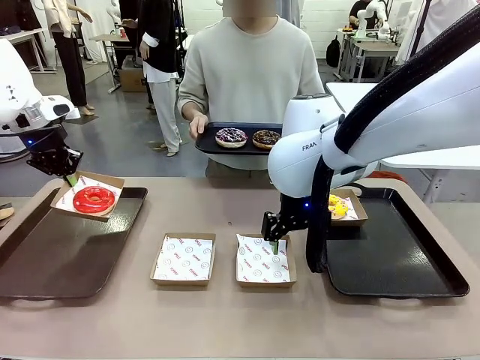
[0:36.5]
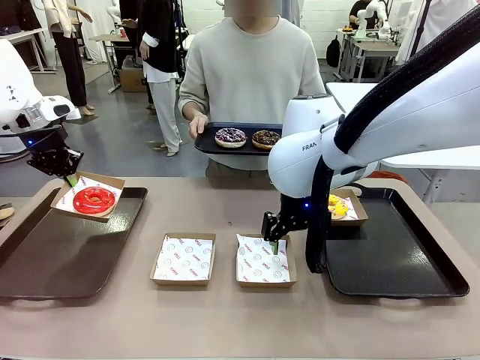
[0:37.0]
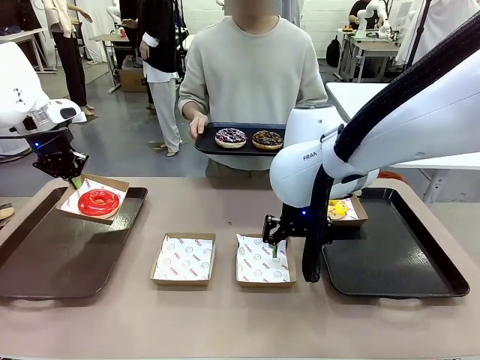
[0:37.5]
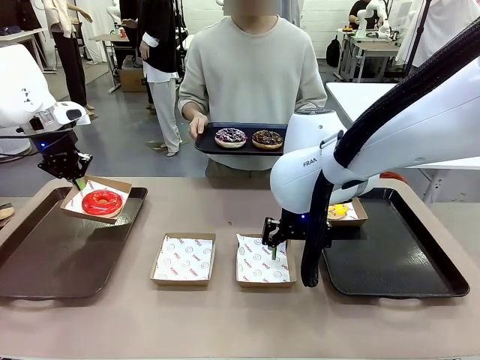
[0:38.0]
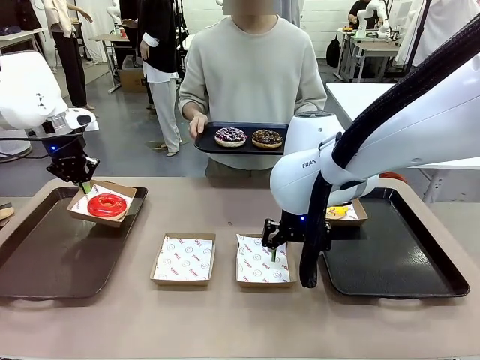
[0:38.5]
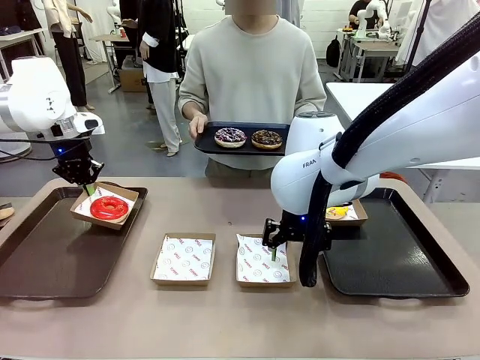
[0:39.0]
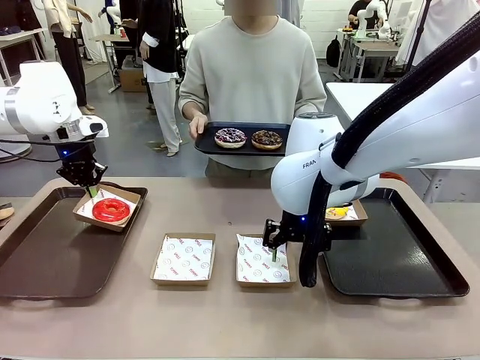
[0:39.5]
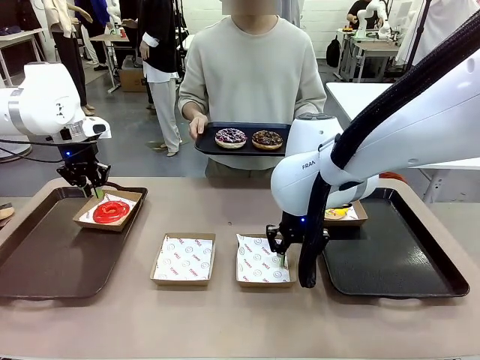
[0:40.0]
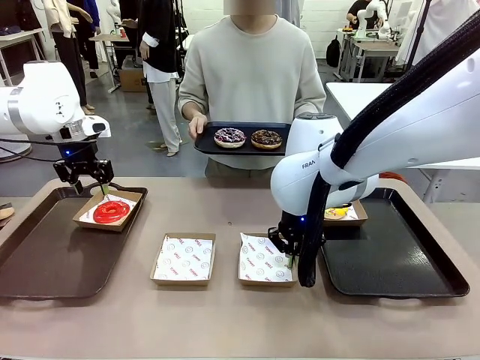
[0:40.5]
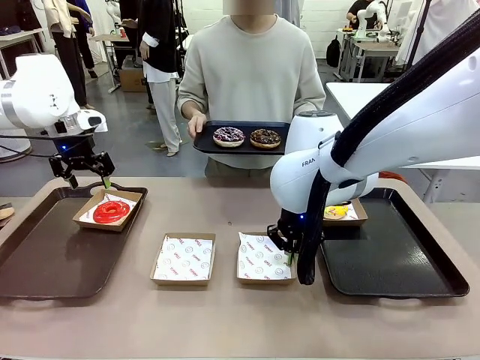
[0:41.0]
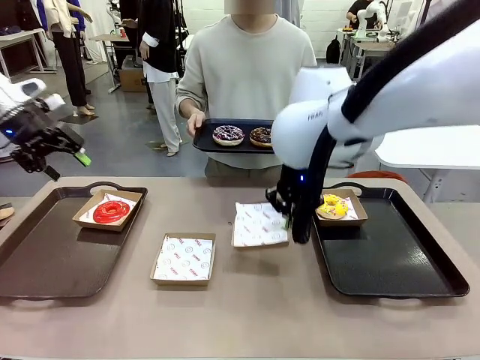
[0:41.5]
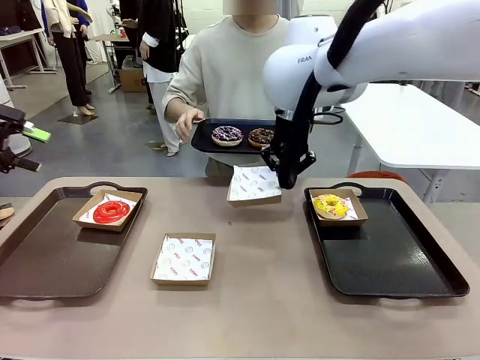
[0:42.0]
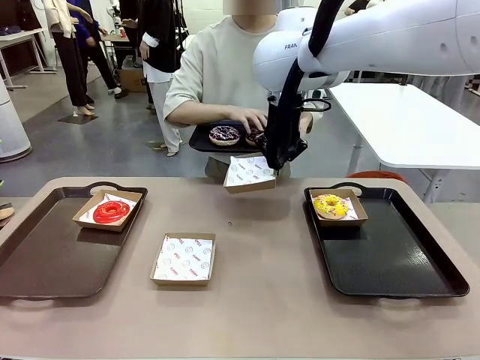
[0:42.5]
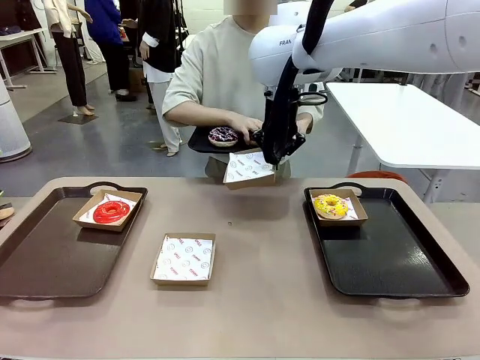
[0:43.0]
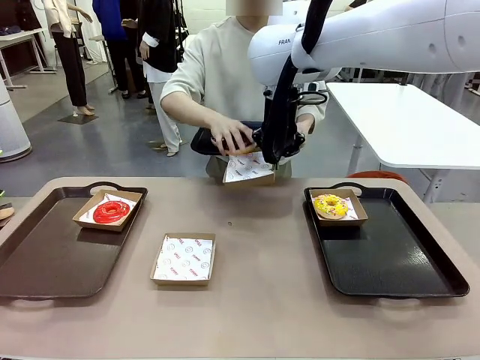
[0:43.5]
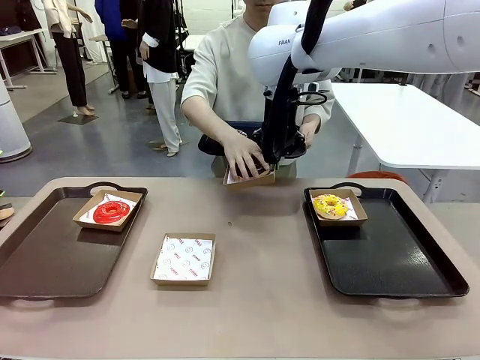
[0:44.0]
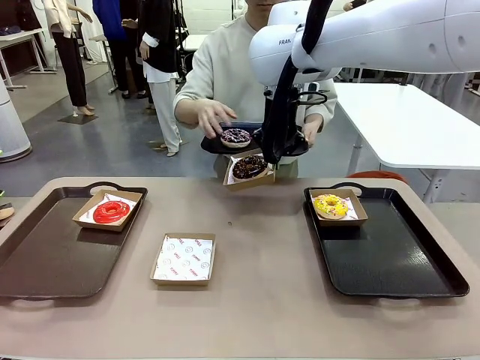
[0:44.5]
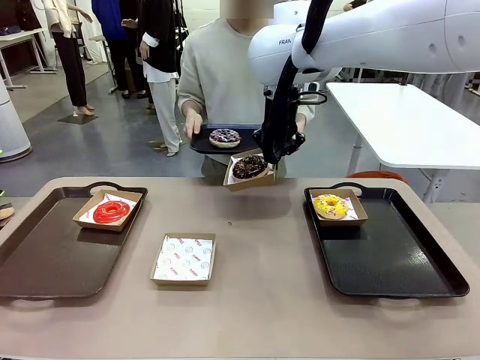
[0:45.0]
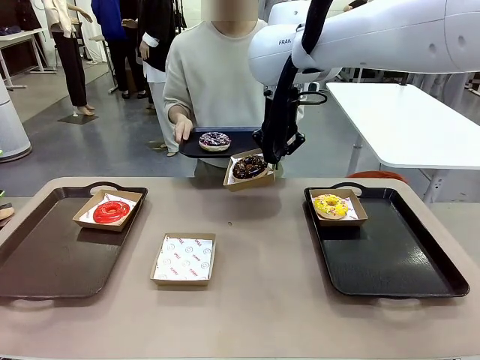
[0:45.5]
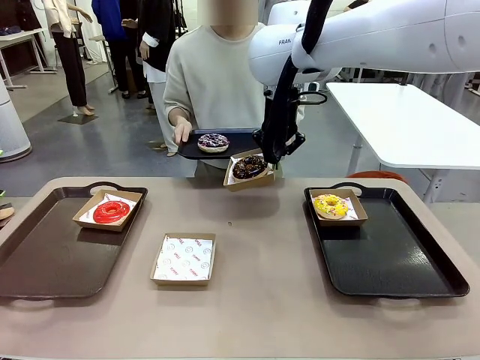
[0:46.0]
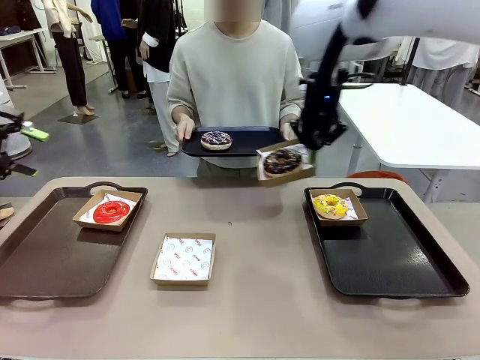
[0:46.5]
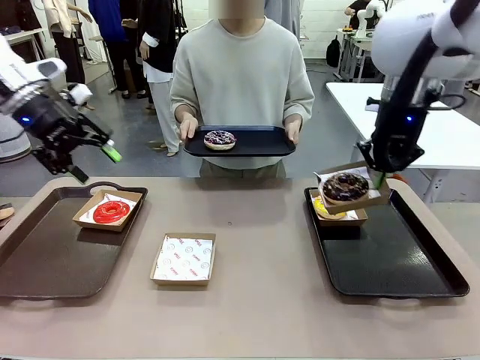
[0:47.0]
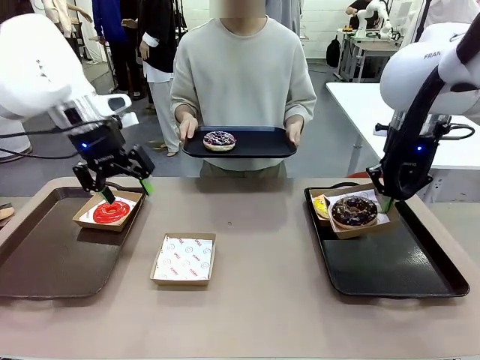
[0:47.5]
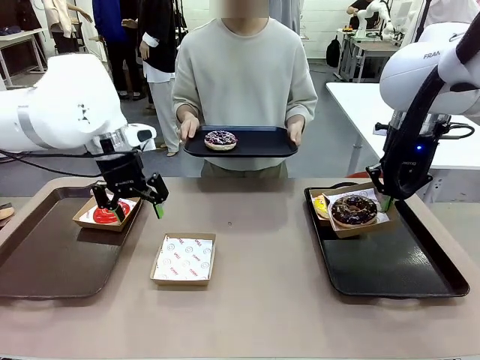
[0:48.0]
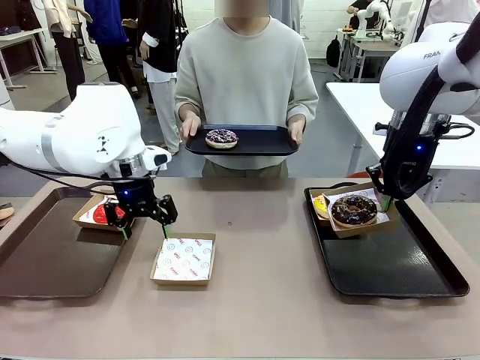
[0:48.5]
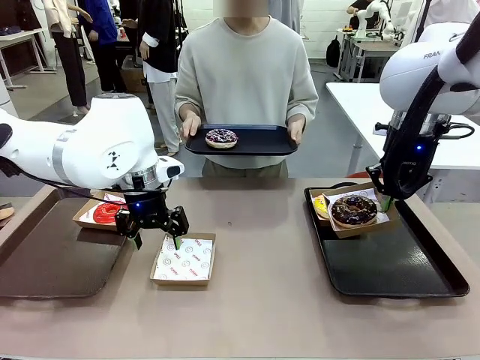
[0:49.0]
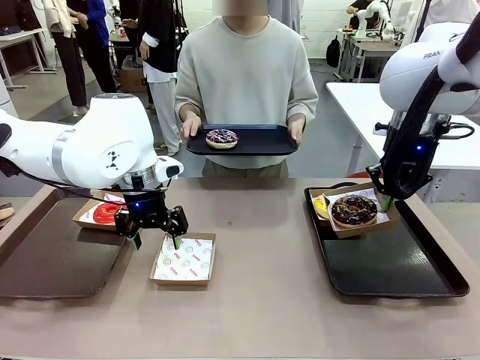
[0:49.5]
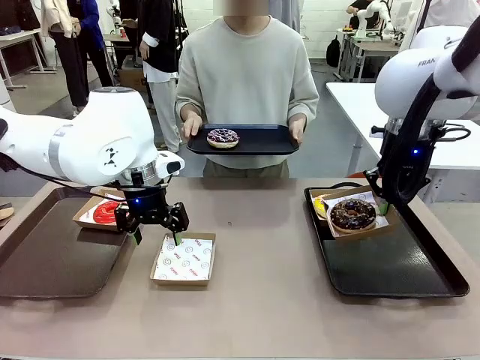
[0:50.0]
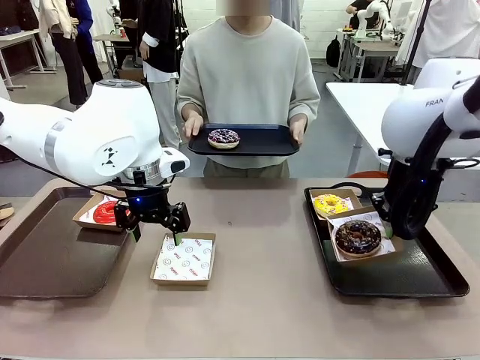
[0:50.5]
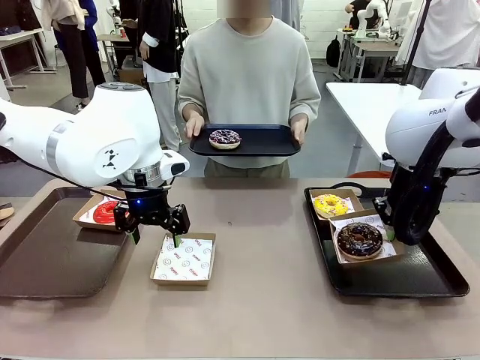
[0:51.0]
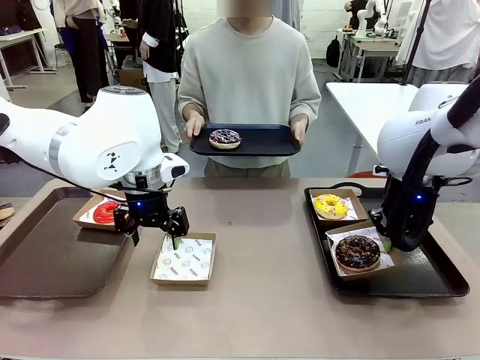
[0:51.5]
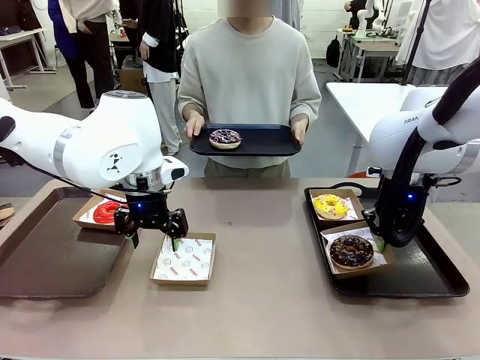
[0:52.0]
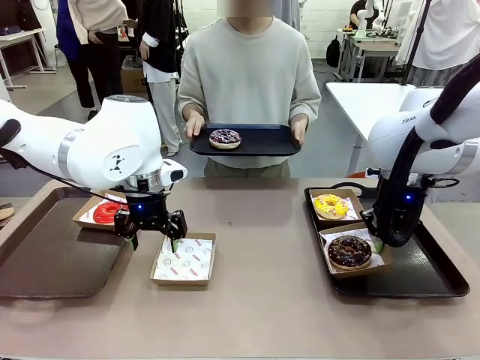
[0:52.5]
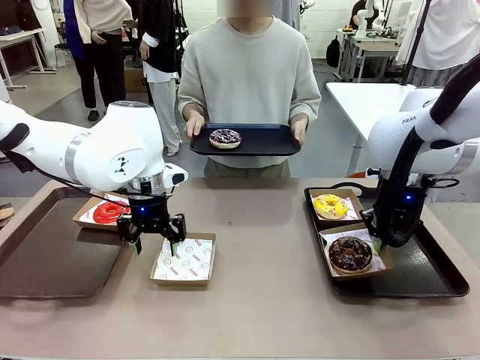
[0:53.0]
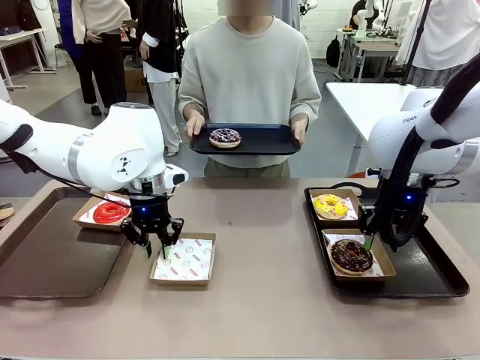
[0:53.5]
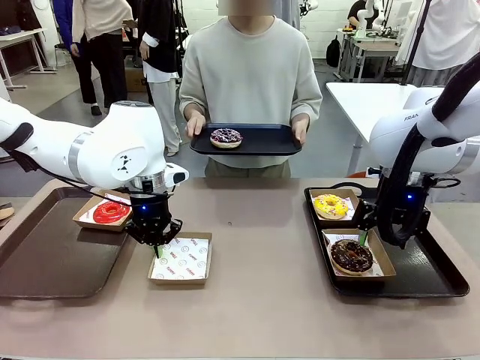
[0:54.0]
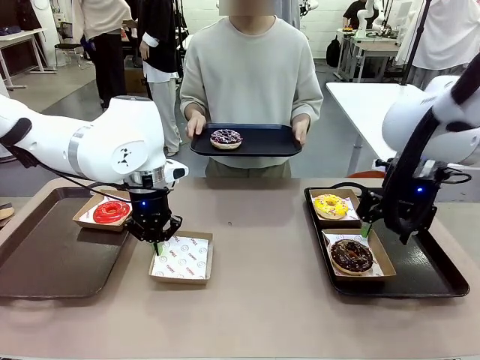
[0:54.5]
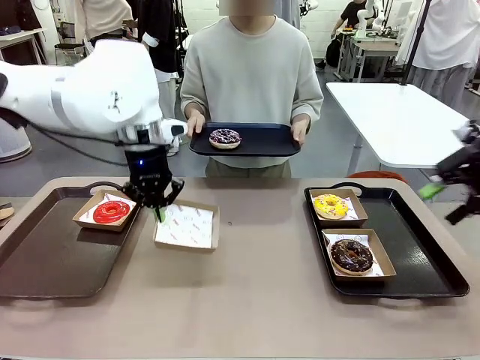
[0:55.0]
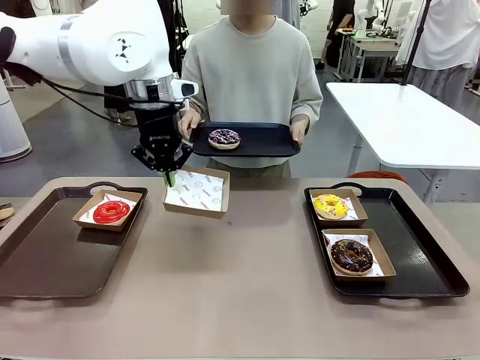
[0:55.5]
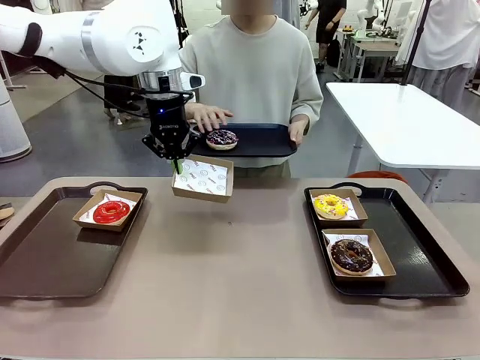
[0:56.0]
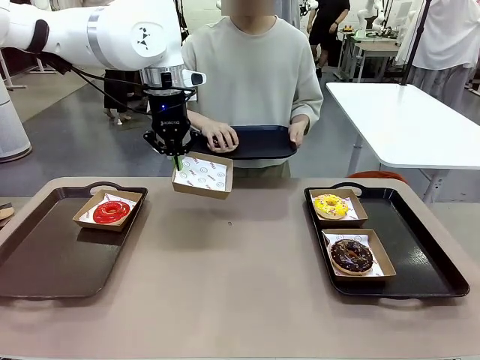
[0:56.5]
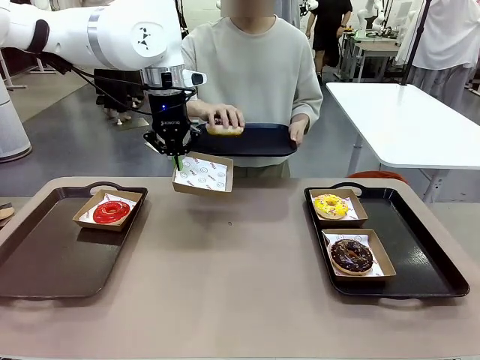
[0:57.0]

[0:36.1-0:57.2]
Task: Individually package the donuts and arrange them on the tray.
Robot: Place the picked Paper togo box on the Handle tray while simultaneously picking up another Paper togo box from the table with the other hand.

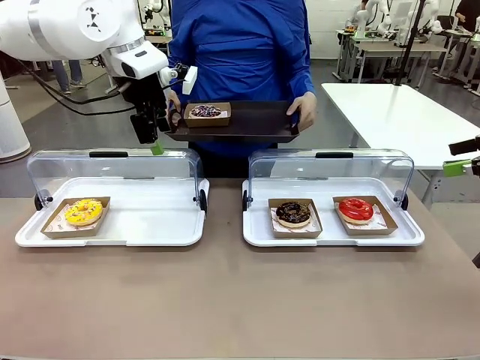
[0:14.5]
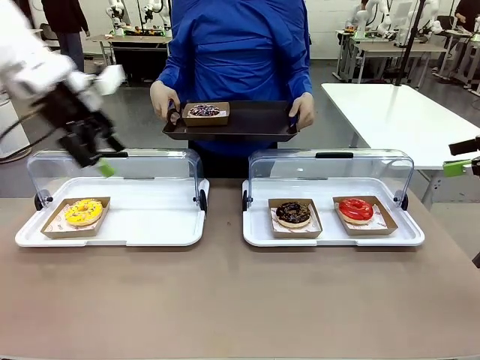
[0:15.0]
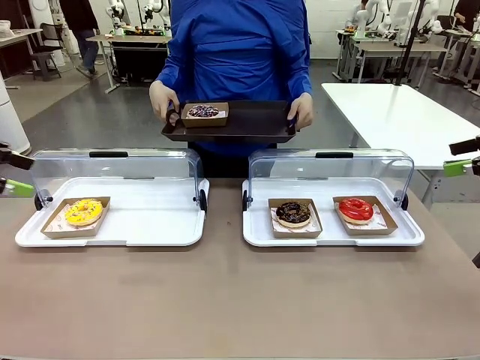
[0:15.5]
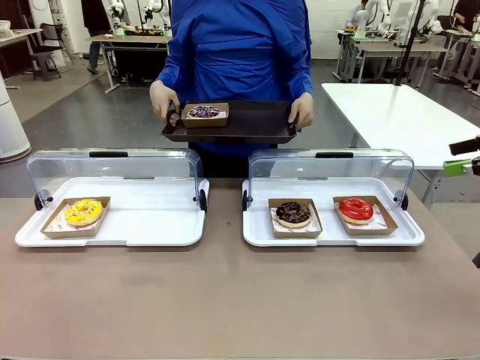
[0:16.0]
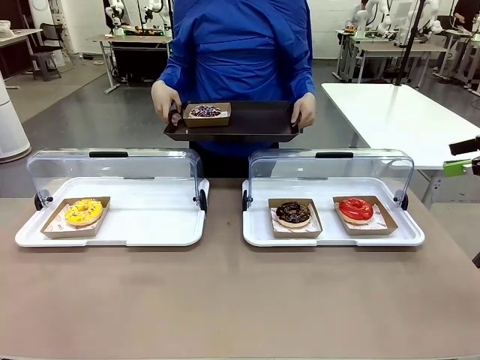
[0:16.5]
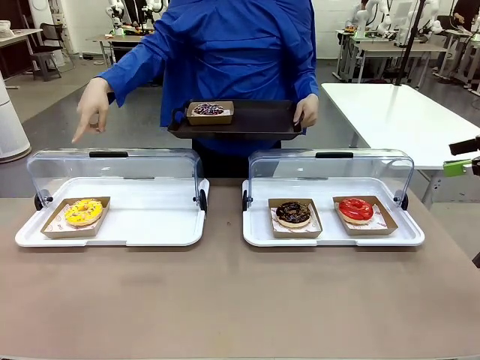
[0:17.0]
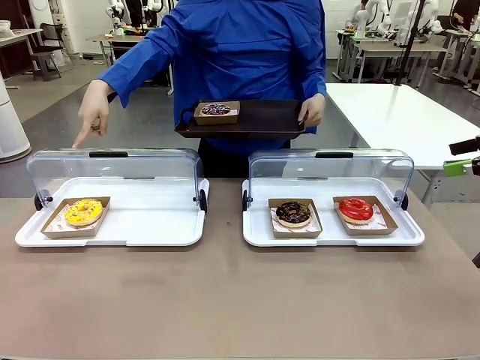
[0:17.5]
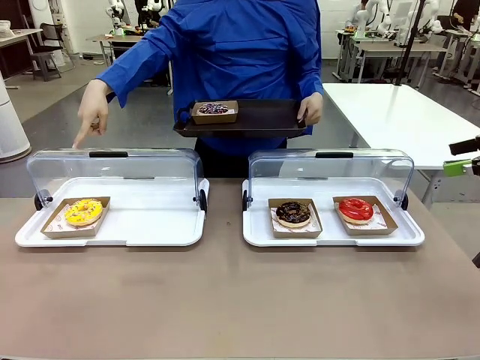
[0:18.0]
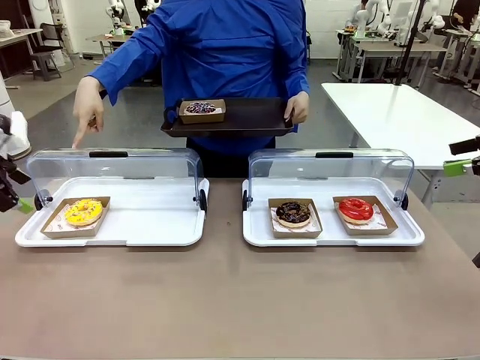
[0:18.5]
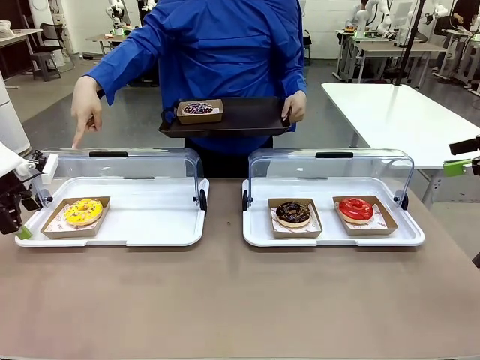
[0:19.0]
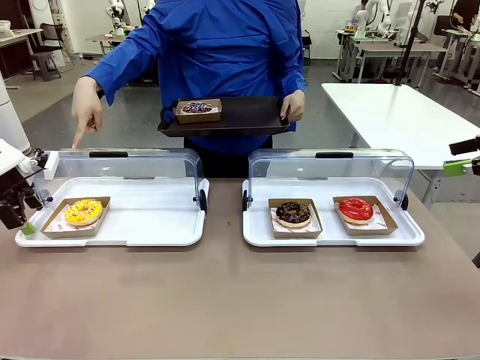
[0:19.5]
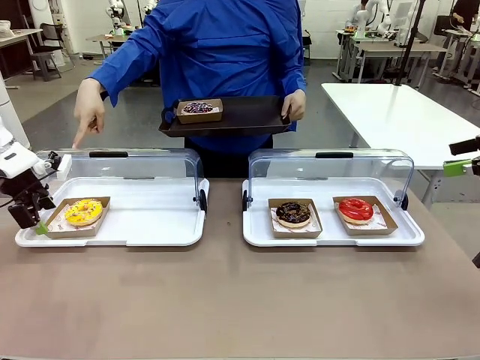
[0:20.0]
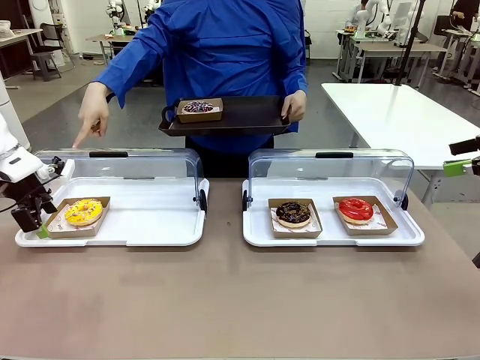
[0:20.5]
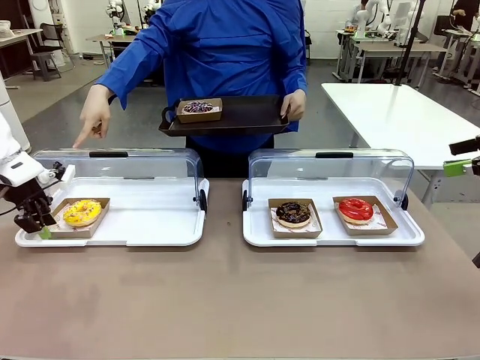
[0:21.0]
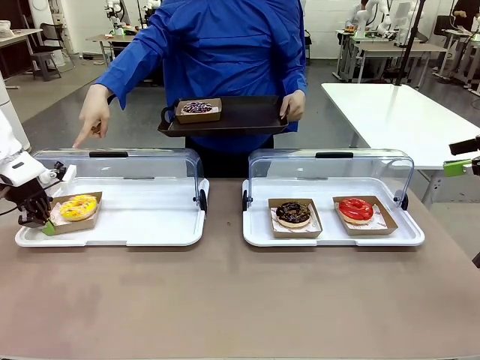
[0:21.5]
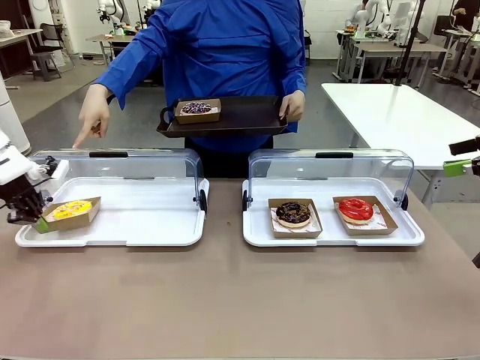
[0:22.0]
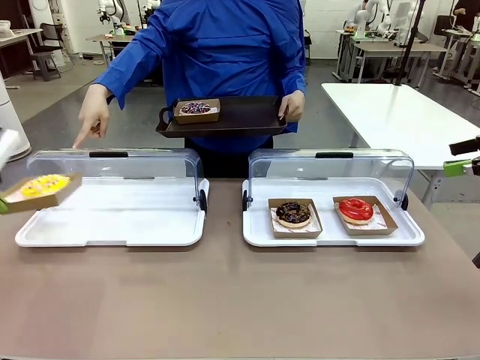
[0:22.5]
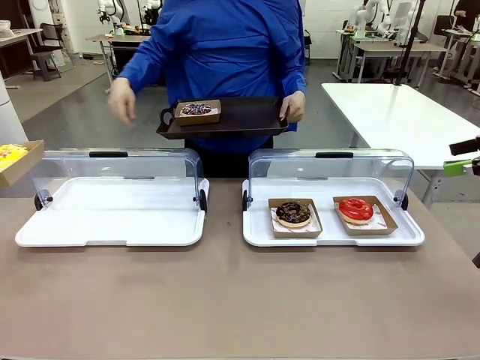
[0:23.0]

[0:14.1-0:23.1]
Task: Provide the desired donut to the person.
Robot: Pick up and lift the Paper togo box containing the Donut pointed at by the person.
Person: Lift the tray onto the Roll-Top Bakery Case.
